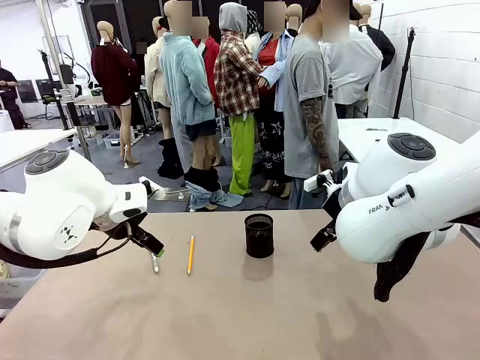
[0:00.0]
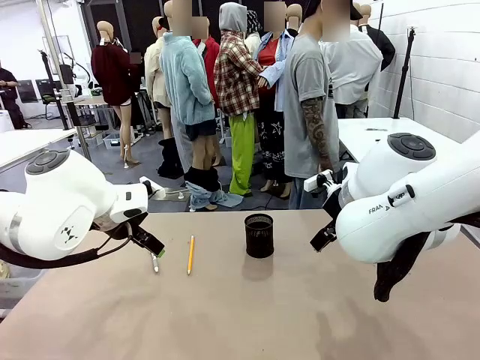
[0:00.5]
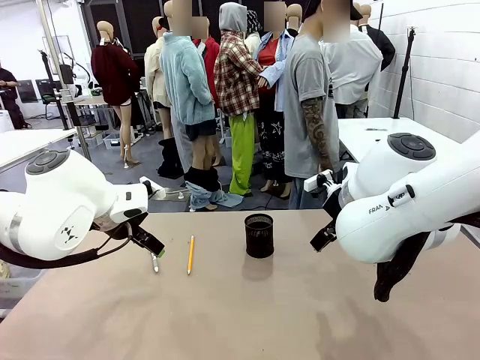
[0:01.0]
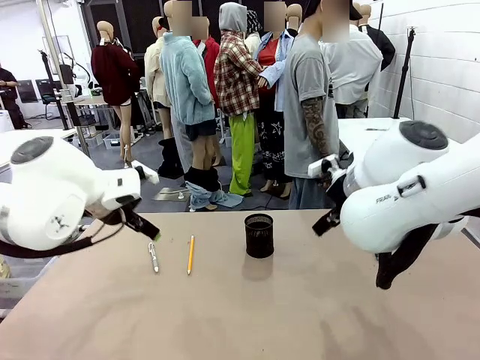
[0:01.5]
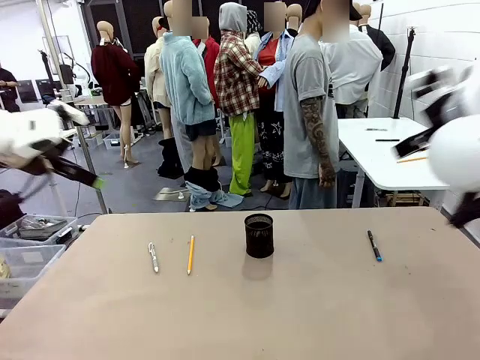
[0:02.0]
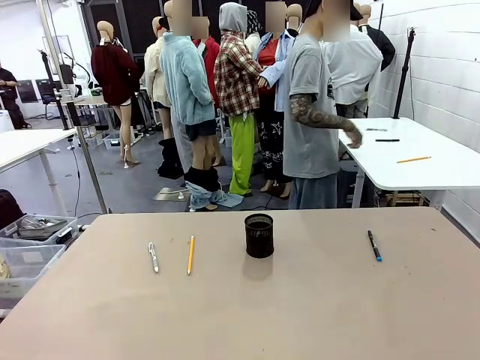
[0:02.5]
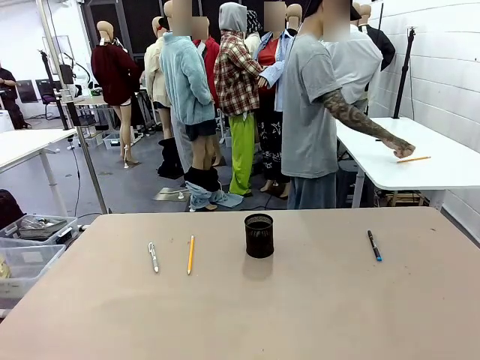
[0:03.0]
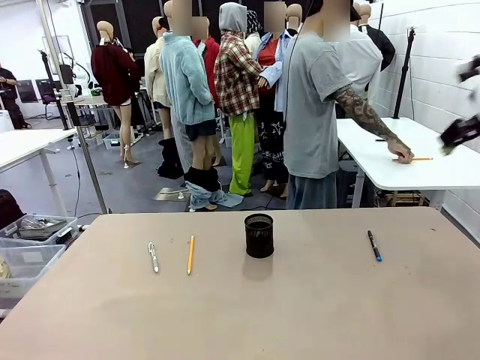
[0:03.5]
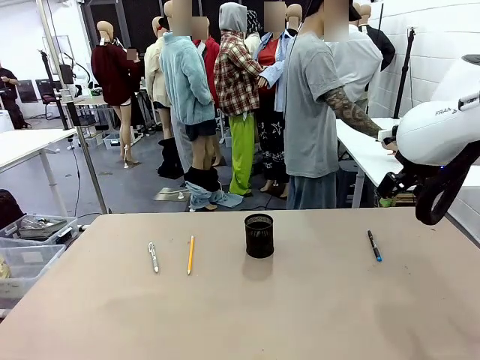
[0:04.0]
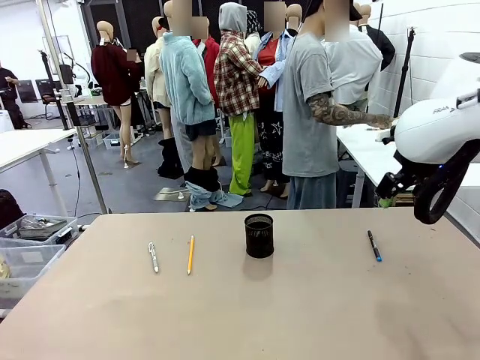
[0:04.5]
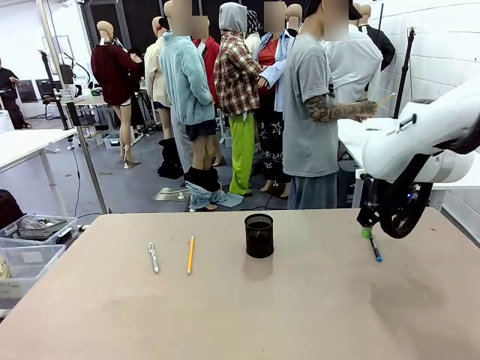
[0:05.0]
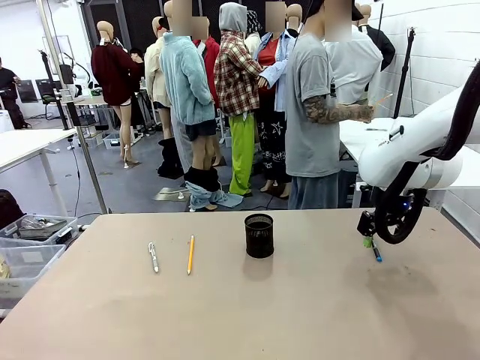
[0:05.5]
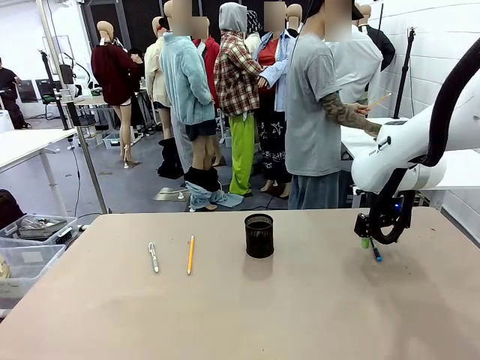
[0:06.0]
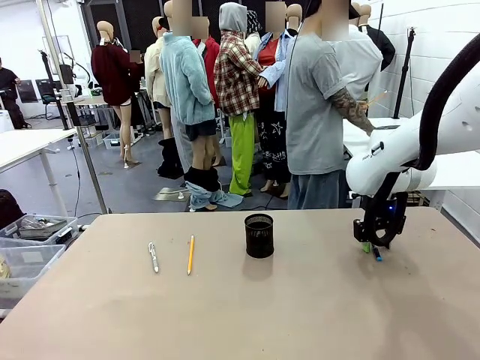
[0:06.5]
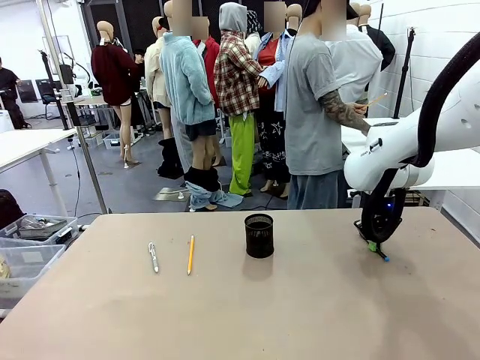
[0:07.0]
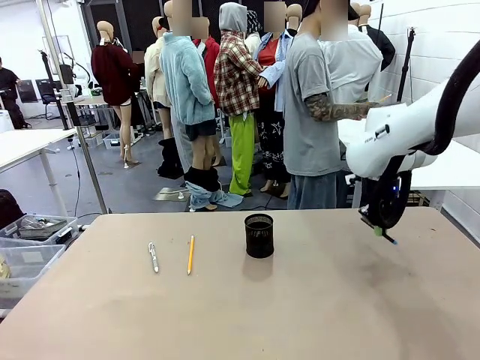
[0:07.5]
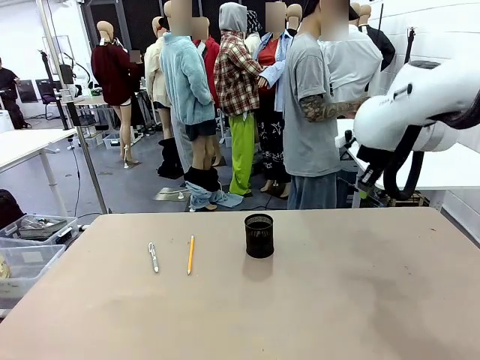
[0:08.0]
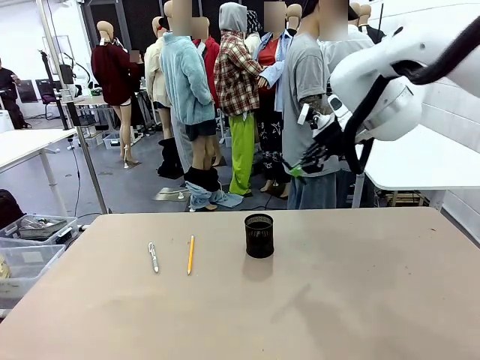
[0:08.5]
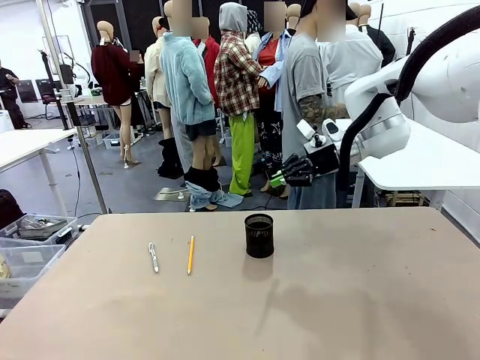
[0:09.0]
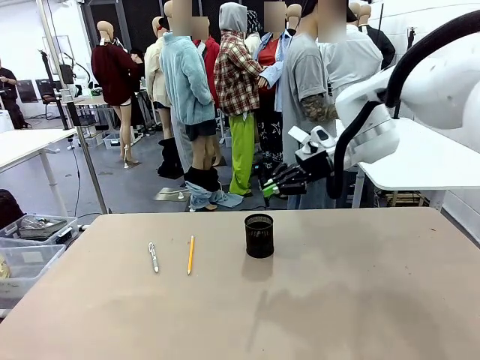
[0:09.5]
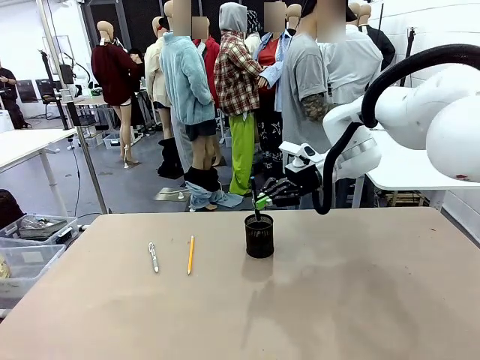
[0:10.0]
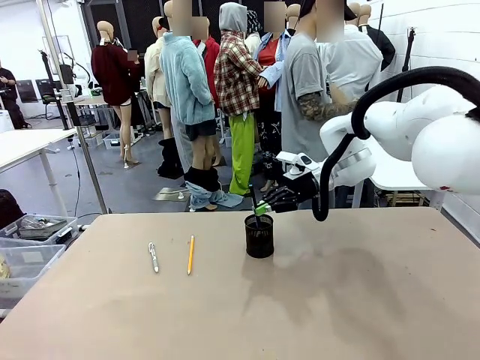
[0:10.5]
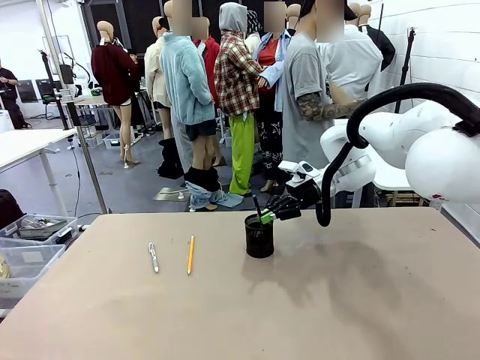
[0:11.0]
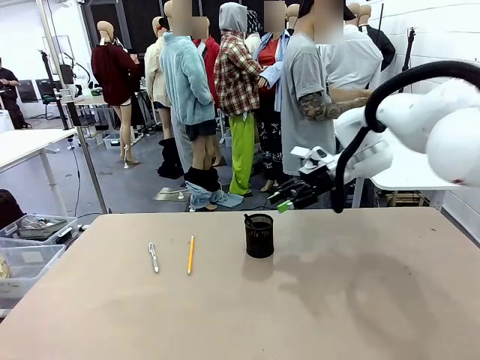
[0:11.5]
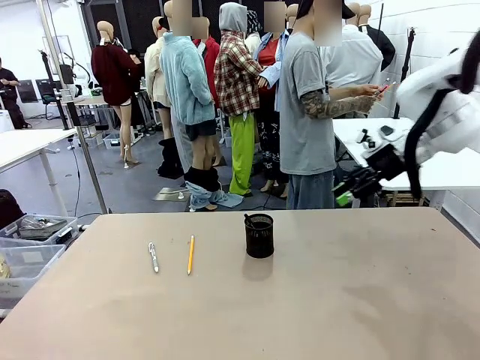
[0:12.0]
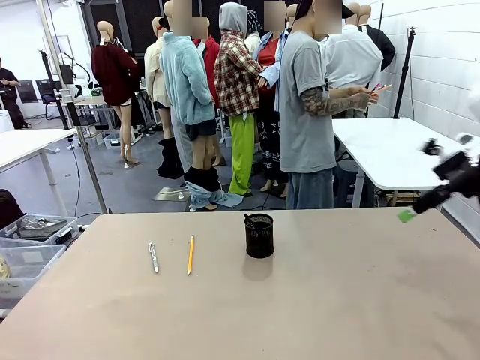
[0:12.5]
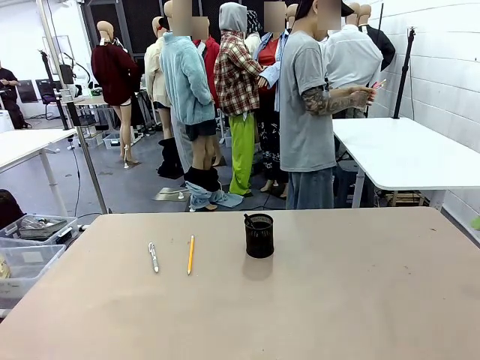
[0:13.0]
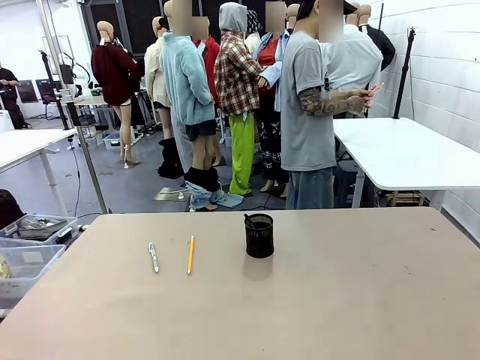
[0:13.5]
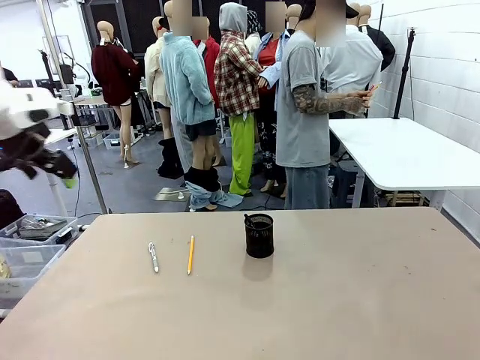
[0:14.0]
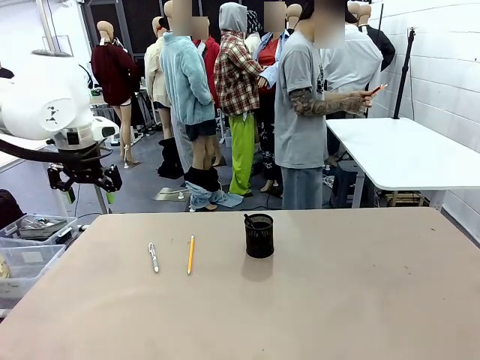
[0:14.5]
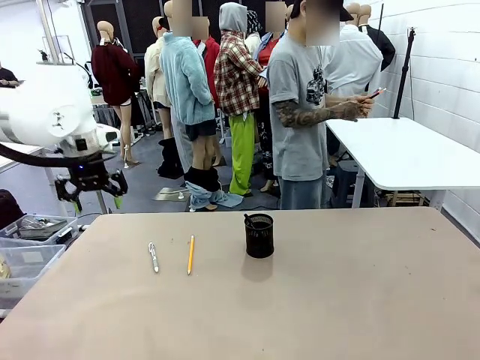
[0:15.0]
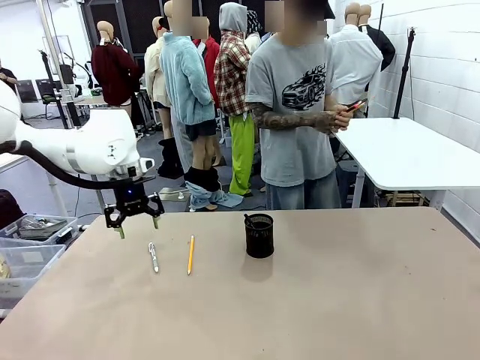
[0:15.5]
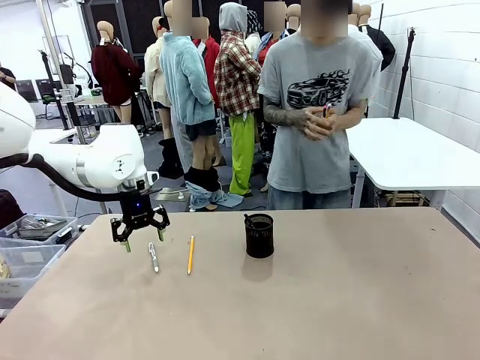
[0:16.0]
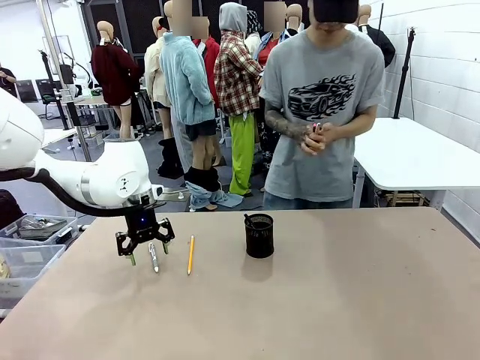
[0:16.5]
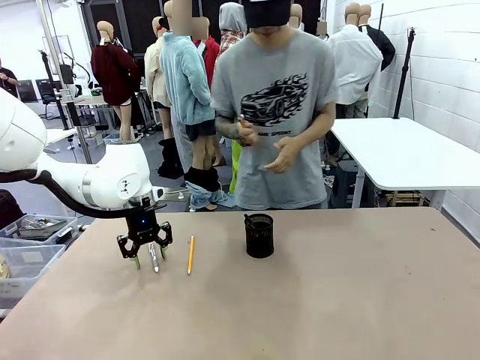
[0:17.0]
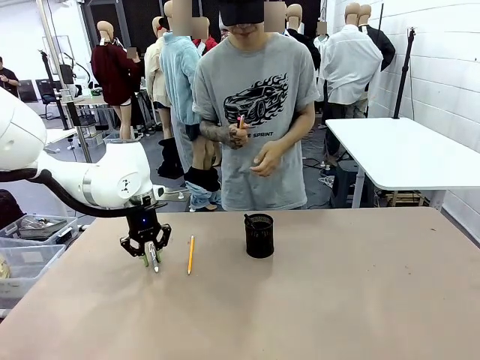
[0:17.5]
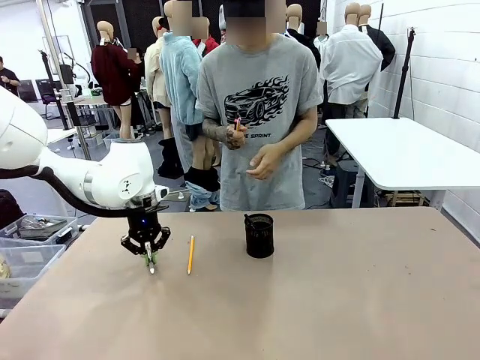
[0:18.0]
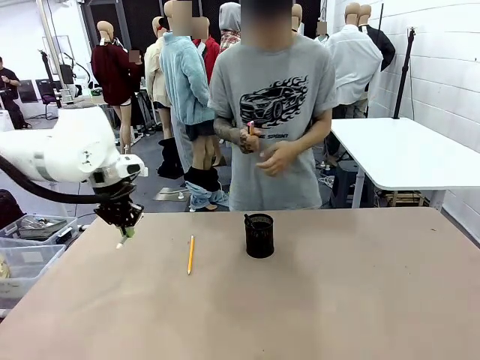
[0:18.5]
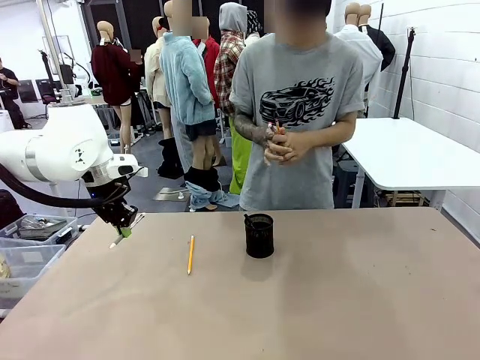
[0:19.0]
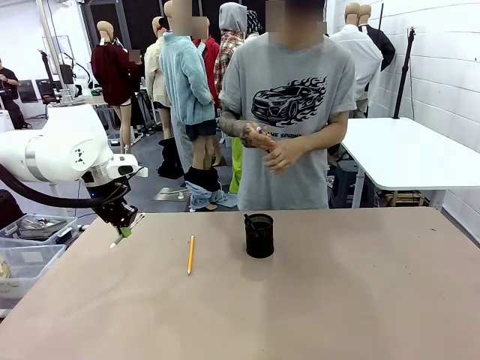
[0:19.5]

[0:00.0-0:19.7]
Task: Place the pens into the pen holder.
Robot: Pick up a writing instrument from the table and place it into the Pen holder.
Person: Pick up all writing instruments from the Human table.
